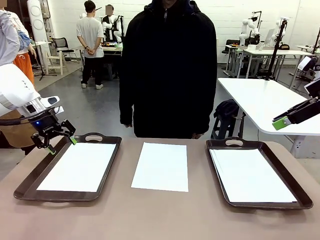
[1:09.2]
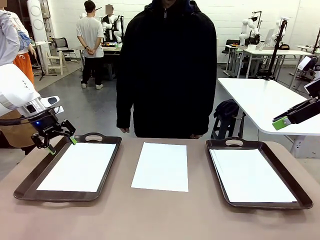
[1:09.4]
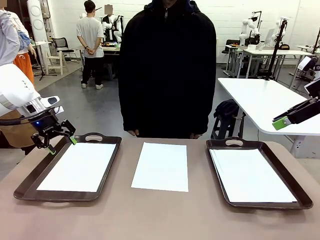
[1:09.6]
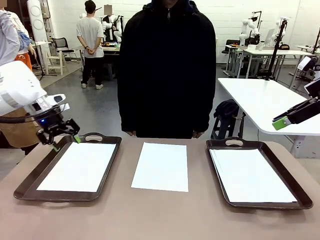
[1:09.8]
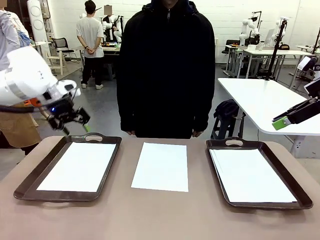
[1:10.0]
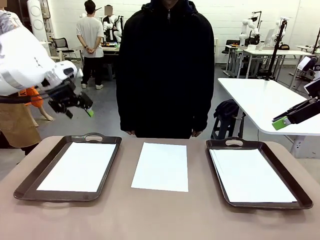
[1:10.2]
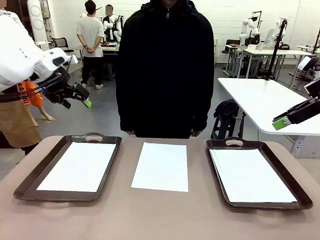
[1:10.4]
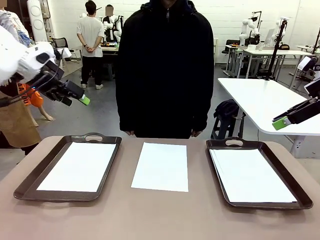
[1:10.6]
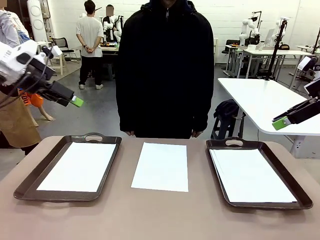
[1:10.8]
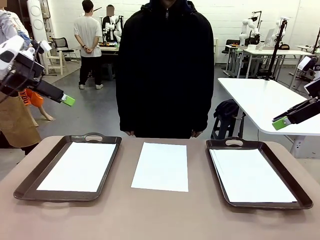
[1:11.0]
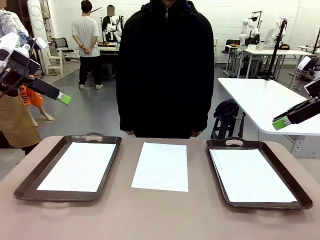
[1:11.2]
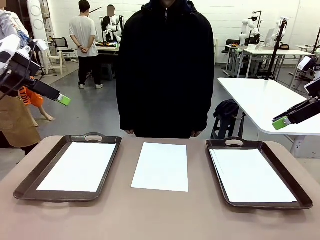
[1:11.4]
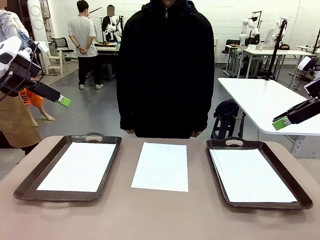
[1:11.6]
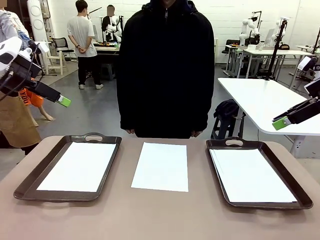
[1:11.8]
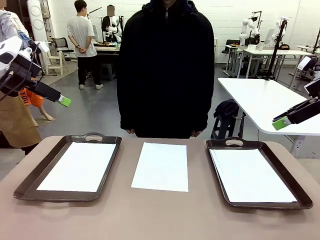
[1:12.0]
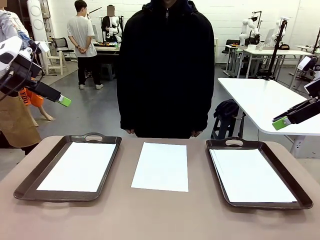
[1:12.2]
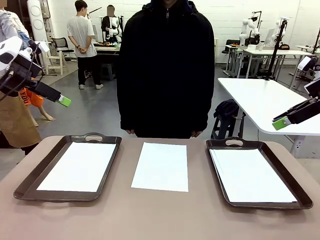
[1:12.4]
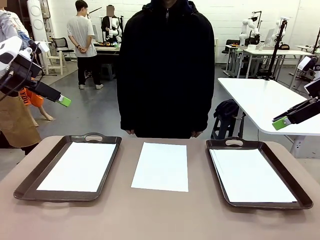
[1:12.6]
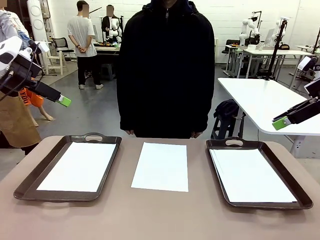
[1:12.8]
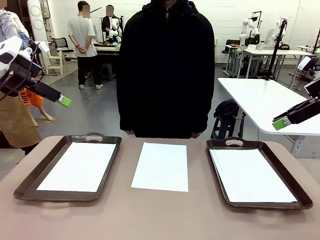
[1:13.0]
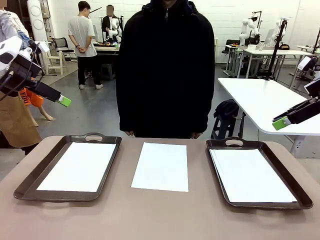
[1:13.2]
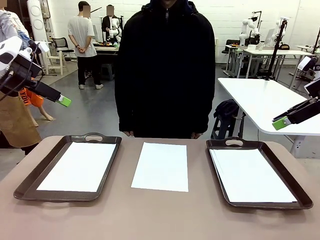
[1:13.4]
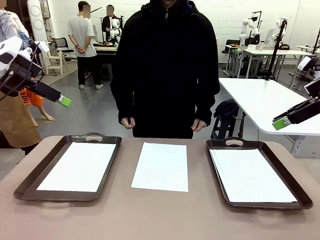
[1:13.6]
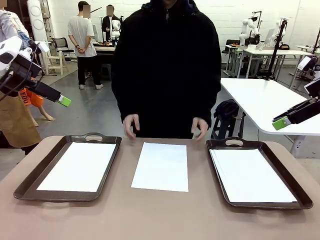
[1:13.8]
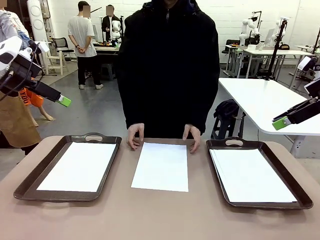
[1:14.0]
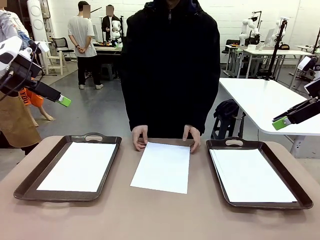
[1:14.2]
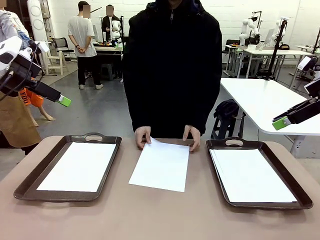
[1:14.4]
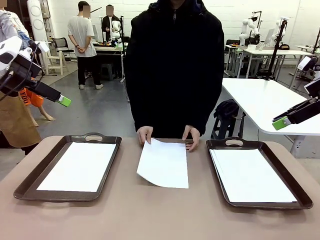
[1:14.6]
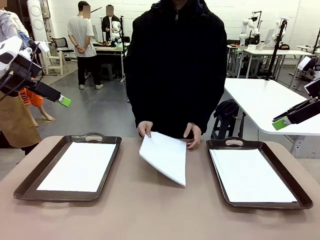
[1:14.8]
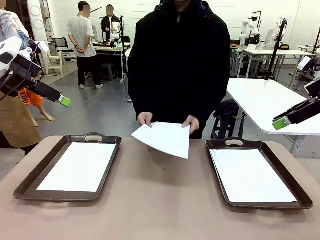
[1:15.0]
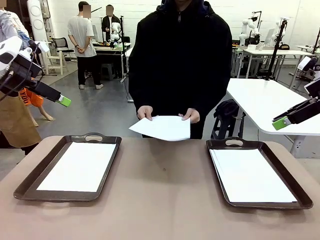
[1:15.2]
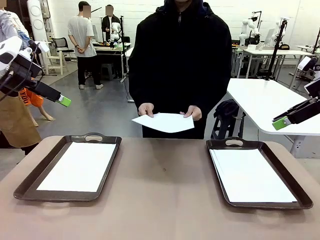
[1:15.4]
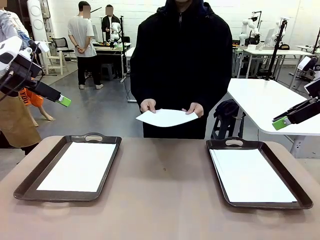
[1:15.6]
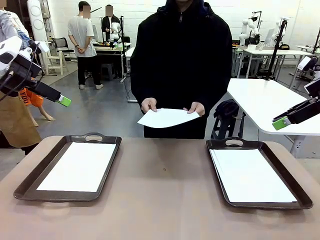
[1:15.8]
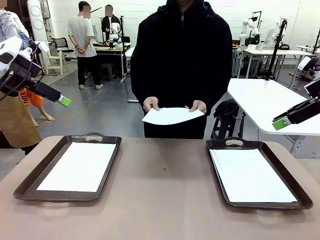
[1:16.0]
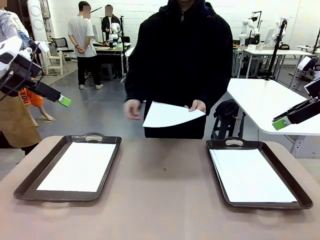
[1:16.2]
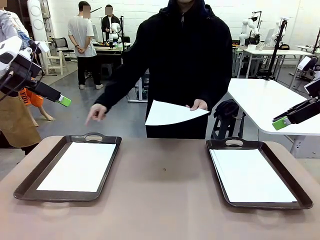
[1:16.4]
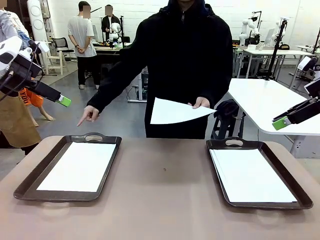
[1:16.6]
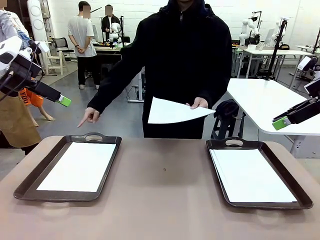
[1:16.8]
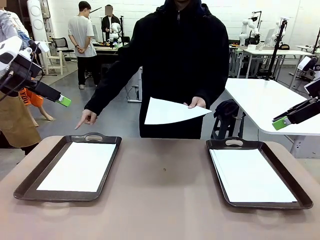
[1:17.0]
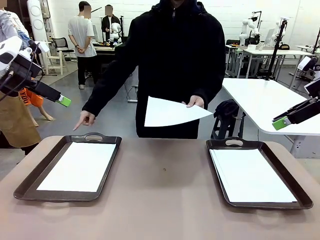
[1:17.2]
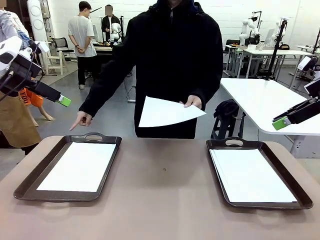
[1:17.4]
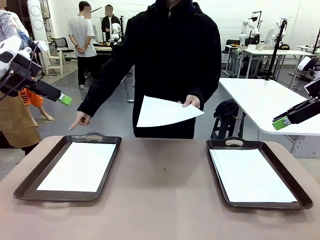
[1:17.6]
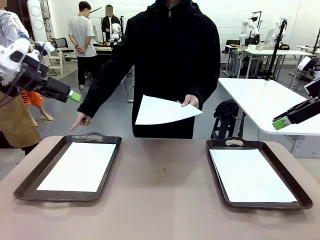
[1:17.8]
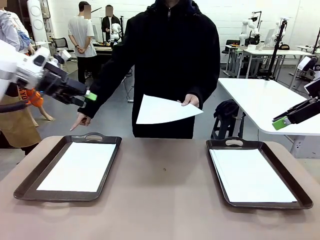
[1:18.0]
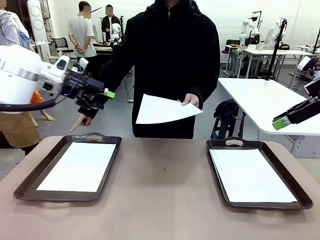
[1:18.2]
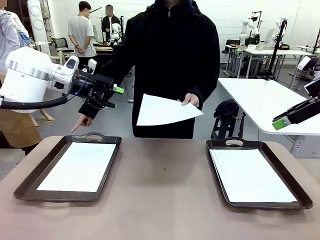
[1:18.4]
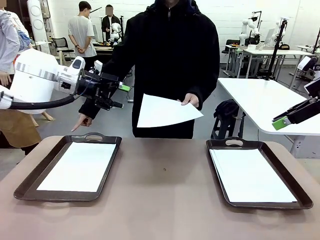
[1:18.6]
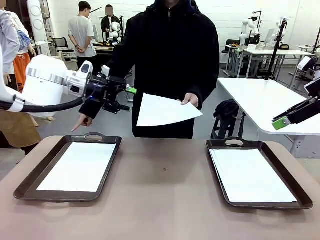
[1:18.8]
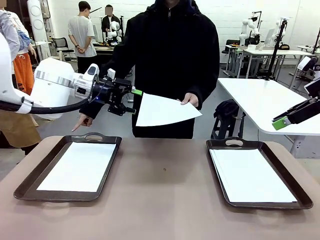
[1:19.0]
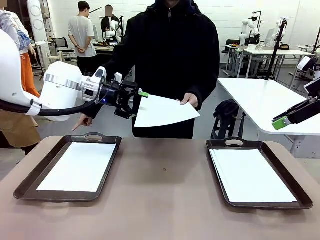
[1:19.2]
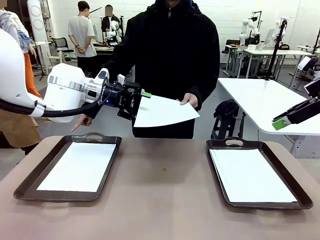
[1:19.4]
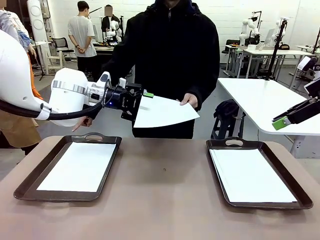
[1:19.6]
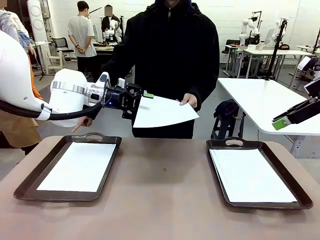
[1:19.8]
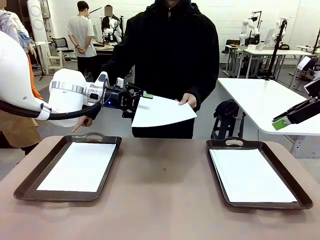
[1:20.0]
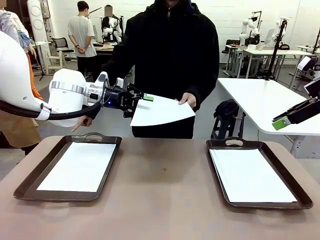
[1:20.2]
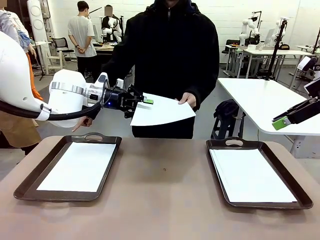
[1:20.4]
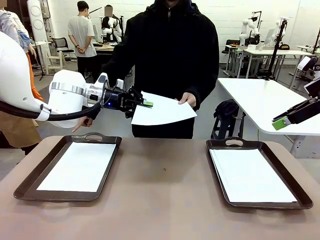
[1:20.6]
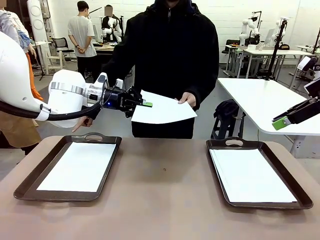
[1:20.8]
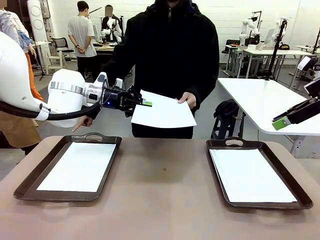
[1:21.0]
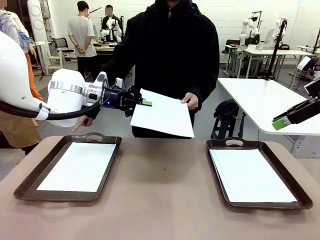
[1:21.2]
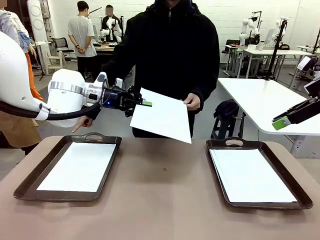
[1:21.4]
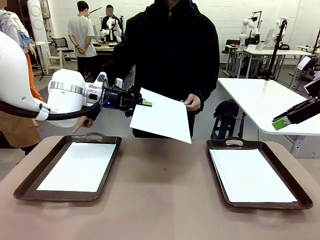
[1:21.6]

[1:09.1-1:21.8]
Task: Sort the A4 documents.
Robot: Receive the A4 Paper.
Person: Point the randomly selected tray with the other hand.

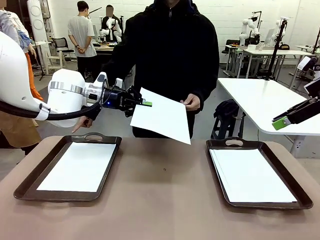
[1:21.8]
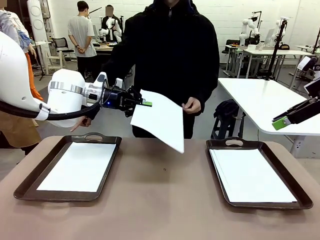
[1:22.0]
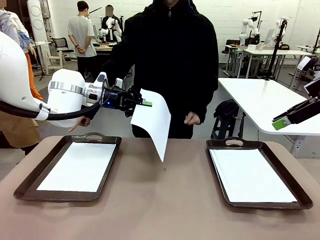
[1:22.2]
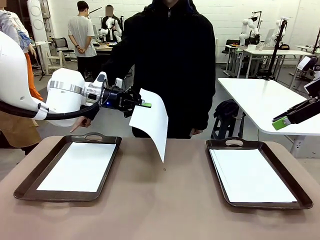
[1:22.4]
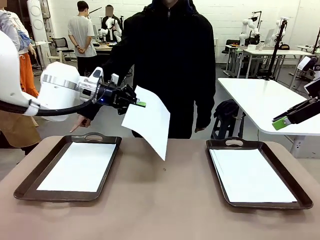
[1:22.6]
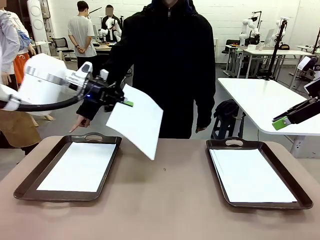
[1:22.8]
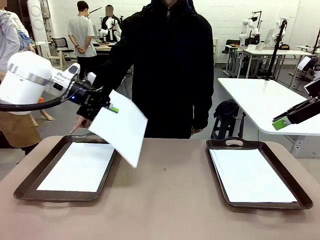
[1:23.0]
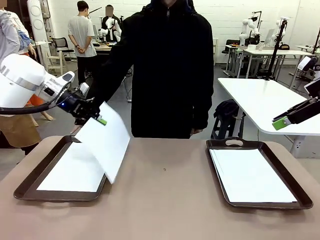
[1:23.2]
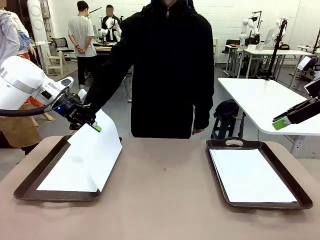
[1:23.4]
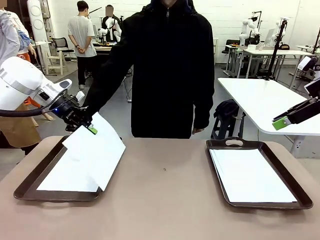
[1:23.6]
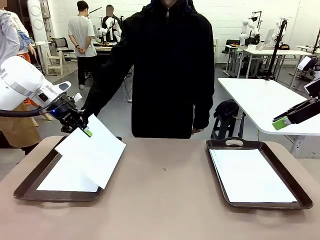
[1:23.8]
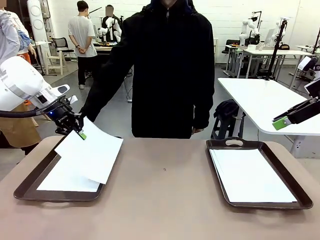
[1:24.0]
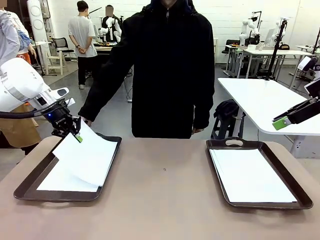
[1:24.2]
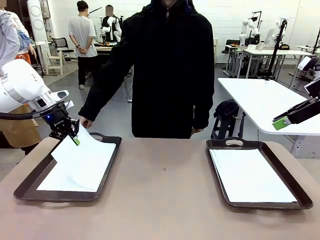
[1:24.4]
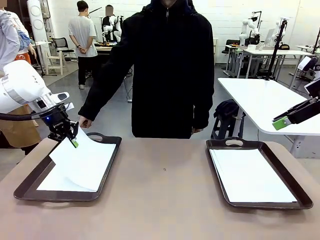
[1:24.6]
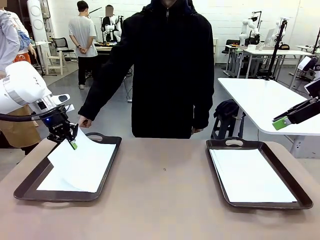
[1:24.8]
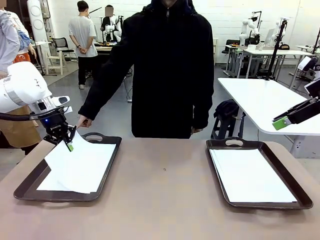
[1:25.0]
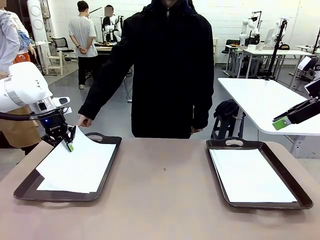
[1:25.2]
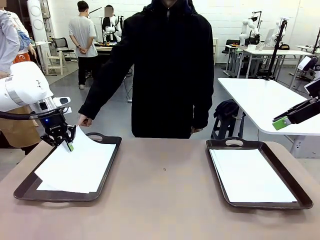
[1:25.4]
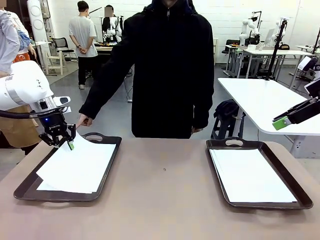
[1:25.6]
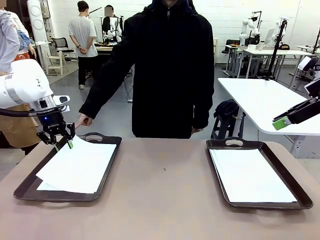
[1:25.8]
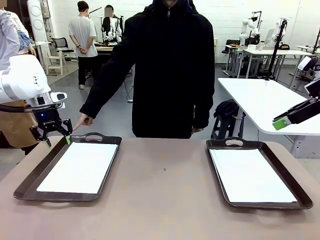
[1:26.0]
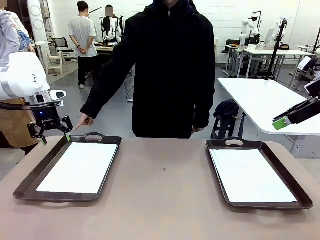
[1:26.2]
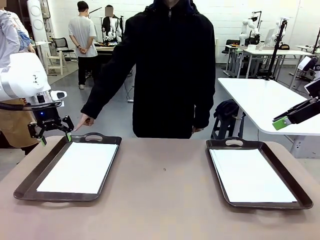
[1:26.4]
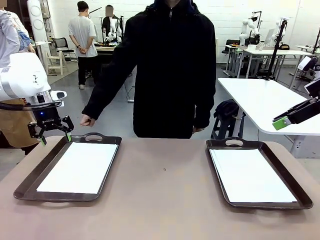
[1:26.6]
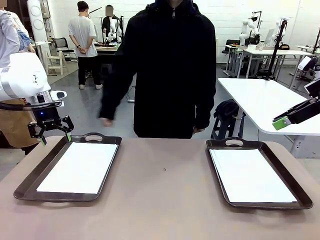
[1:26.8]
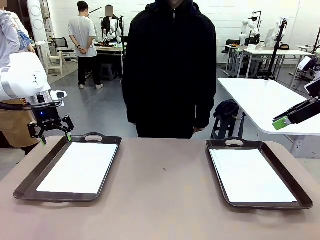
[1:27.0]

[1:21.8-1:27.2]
Robot: Place the A4 Paper in the designated Handle tray.
